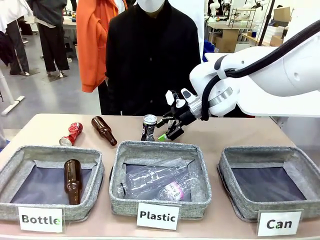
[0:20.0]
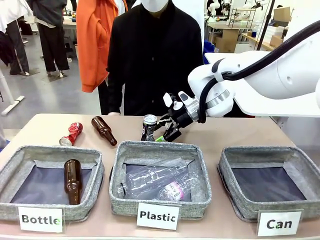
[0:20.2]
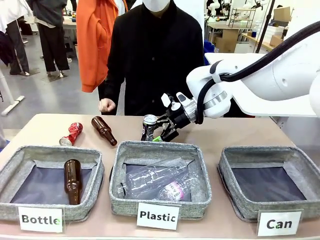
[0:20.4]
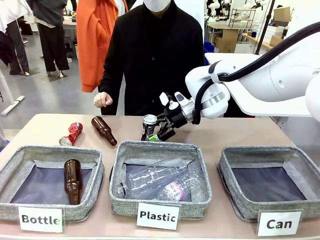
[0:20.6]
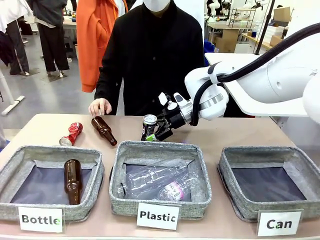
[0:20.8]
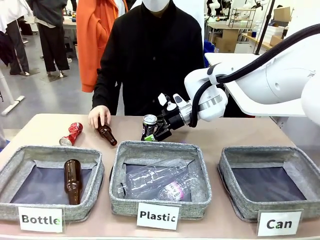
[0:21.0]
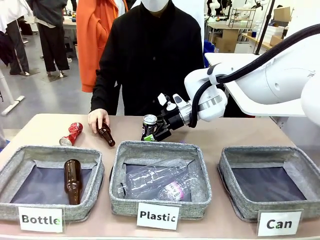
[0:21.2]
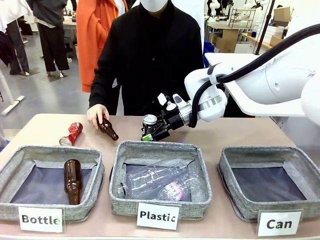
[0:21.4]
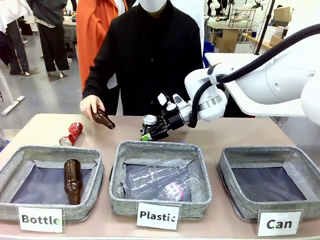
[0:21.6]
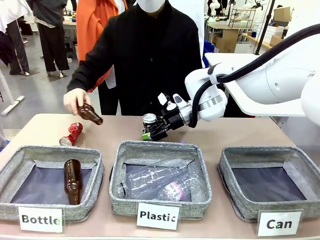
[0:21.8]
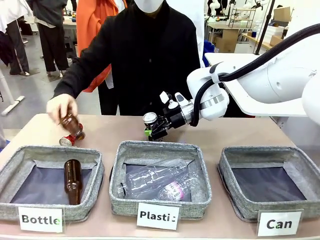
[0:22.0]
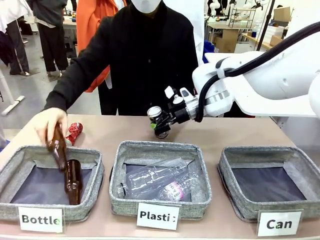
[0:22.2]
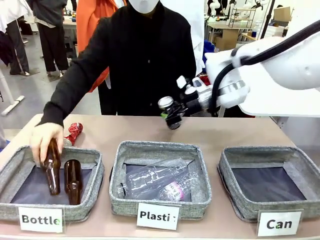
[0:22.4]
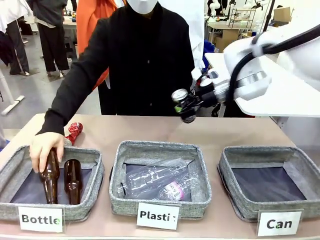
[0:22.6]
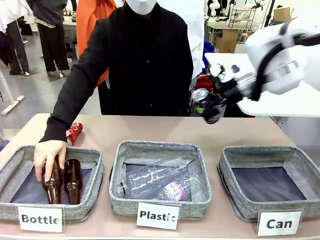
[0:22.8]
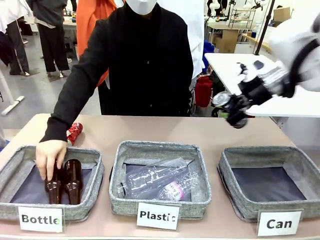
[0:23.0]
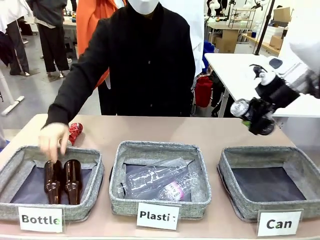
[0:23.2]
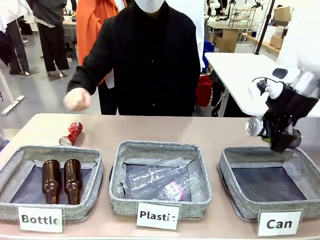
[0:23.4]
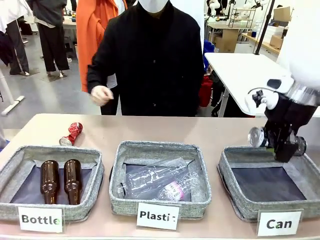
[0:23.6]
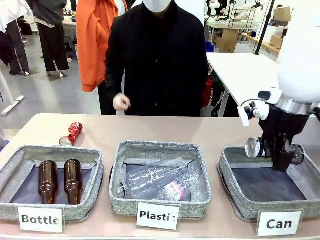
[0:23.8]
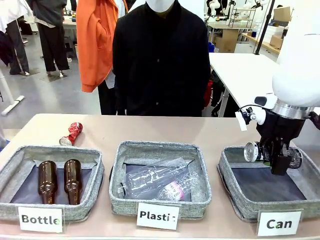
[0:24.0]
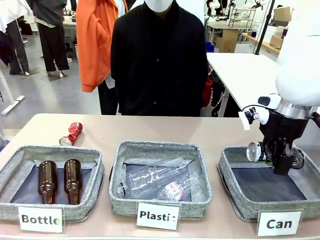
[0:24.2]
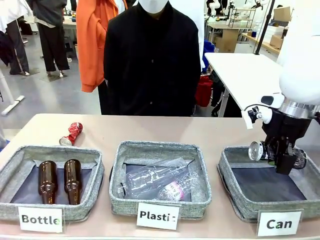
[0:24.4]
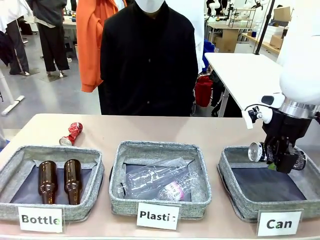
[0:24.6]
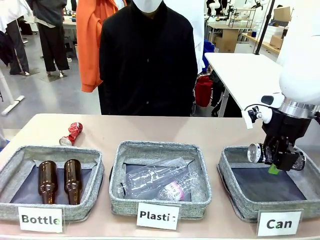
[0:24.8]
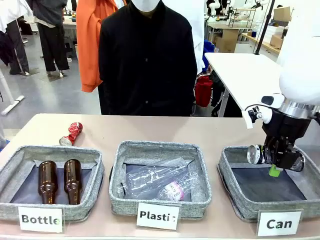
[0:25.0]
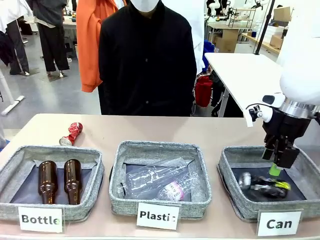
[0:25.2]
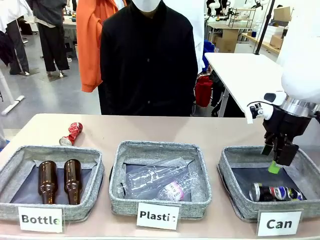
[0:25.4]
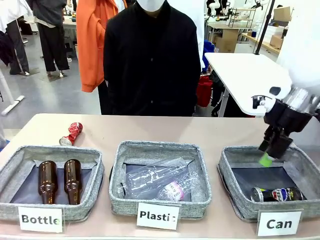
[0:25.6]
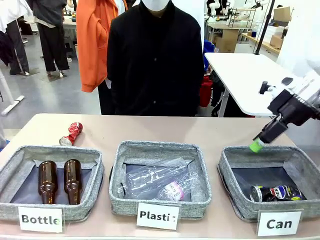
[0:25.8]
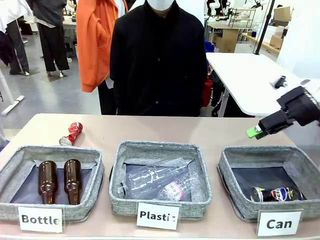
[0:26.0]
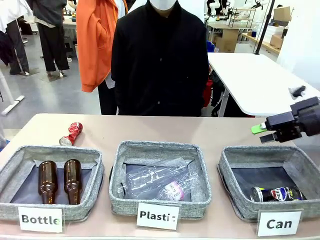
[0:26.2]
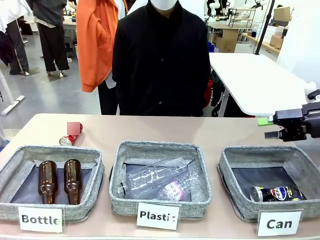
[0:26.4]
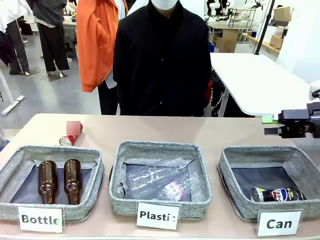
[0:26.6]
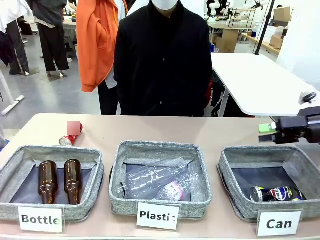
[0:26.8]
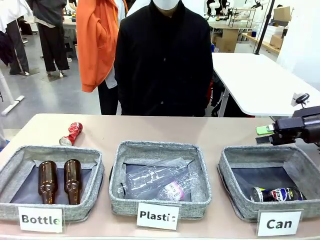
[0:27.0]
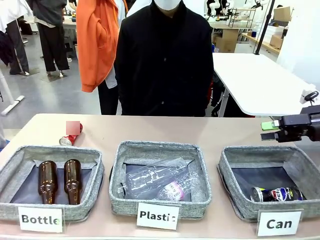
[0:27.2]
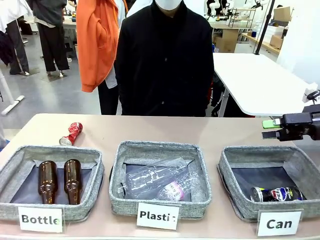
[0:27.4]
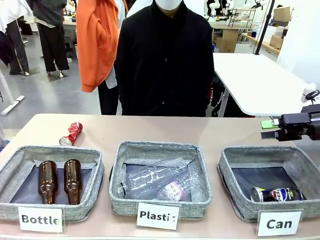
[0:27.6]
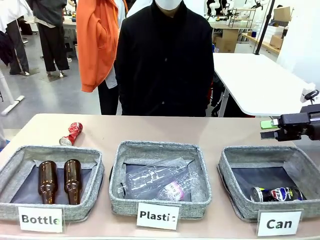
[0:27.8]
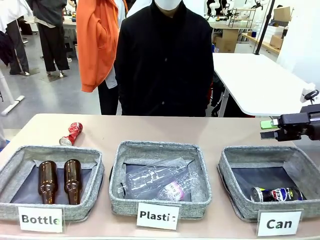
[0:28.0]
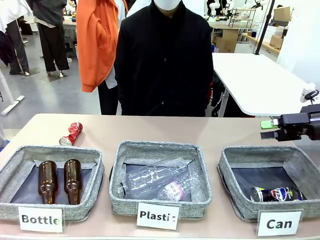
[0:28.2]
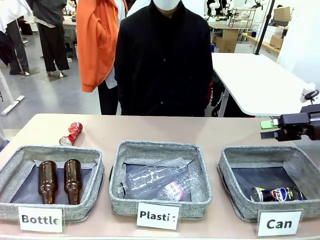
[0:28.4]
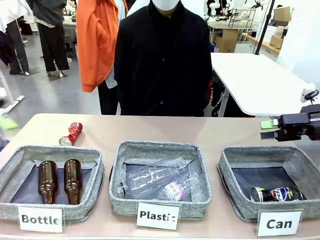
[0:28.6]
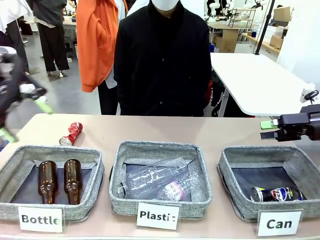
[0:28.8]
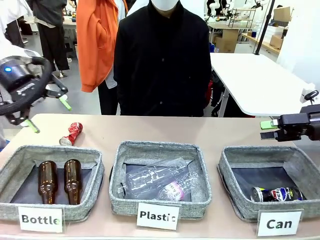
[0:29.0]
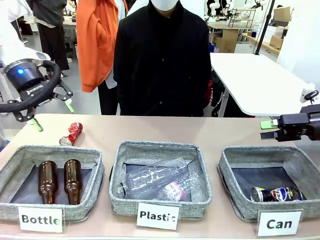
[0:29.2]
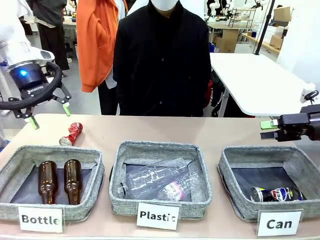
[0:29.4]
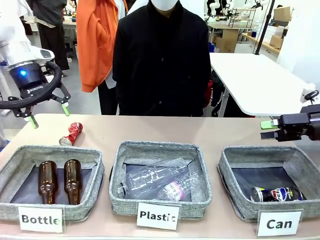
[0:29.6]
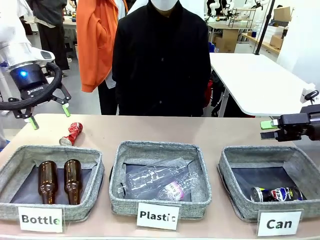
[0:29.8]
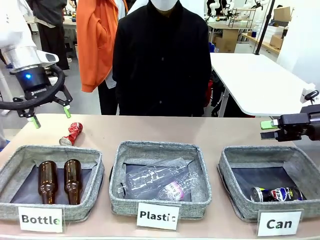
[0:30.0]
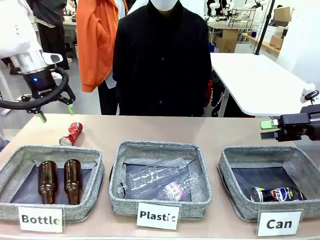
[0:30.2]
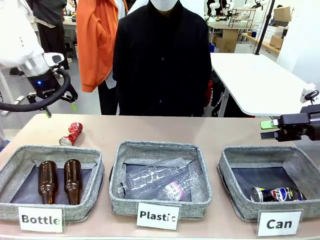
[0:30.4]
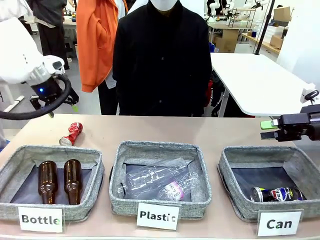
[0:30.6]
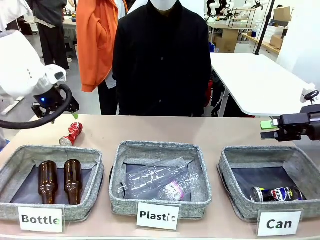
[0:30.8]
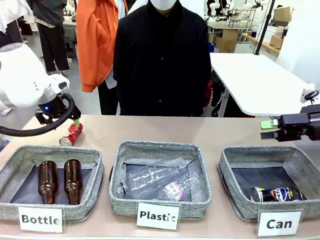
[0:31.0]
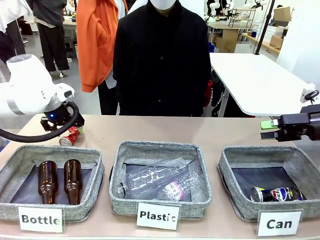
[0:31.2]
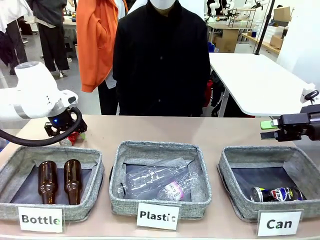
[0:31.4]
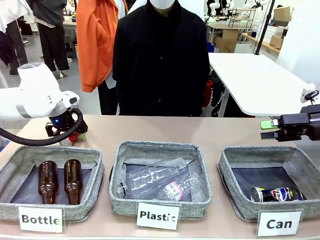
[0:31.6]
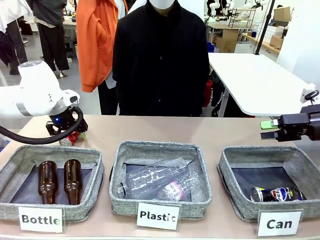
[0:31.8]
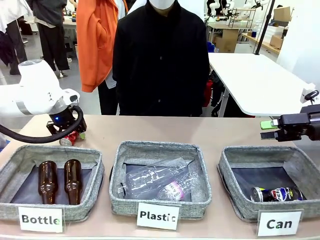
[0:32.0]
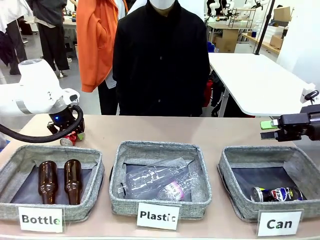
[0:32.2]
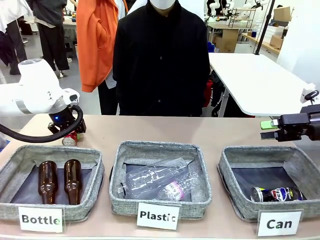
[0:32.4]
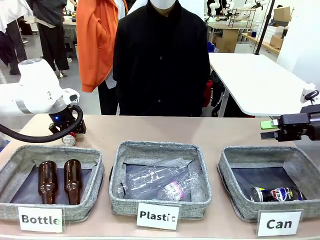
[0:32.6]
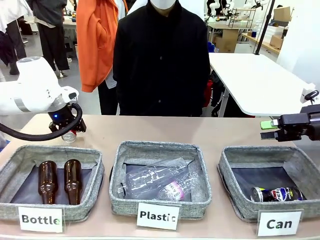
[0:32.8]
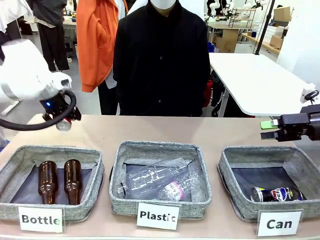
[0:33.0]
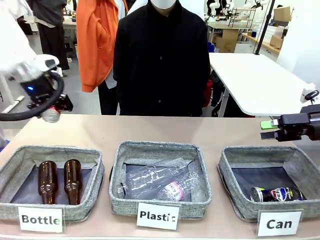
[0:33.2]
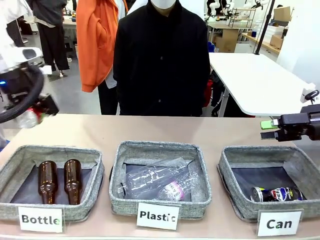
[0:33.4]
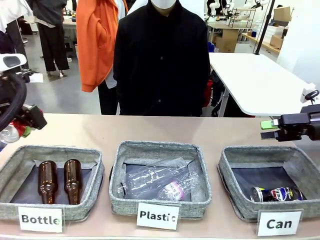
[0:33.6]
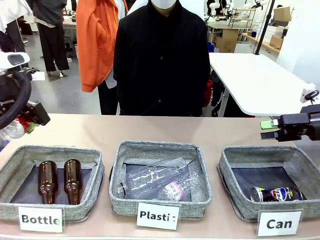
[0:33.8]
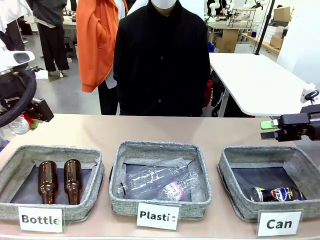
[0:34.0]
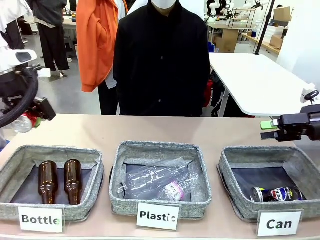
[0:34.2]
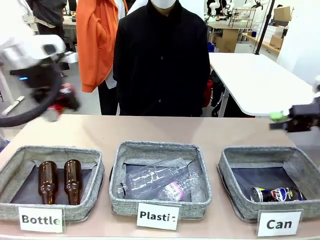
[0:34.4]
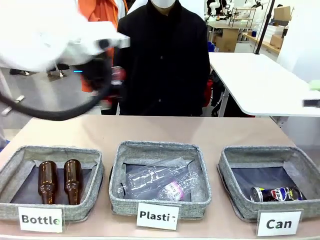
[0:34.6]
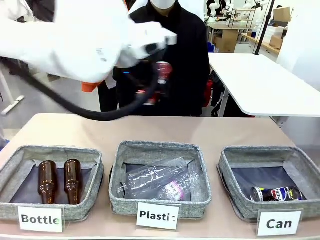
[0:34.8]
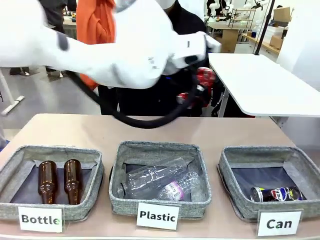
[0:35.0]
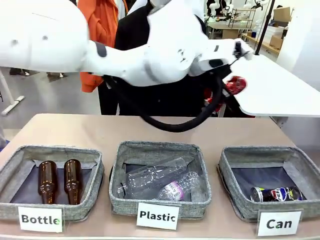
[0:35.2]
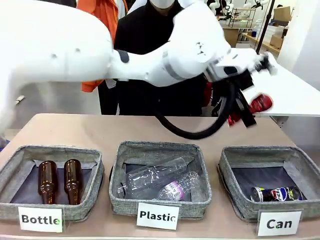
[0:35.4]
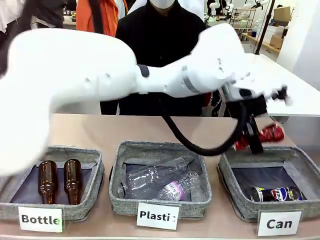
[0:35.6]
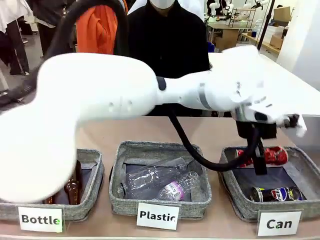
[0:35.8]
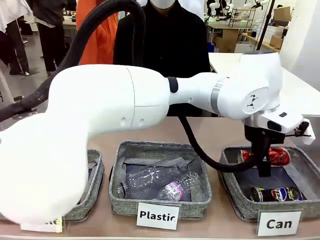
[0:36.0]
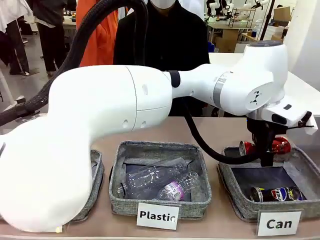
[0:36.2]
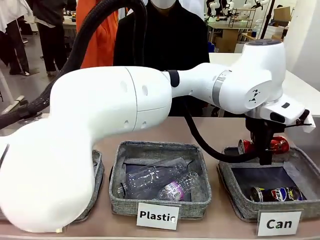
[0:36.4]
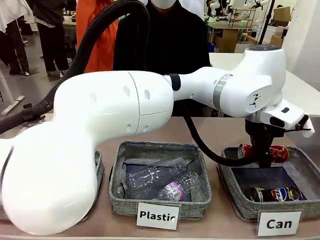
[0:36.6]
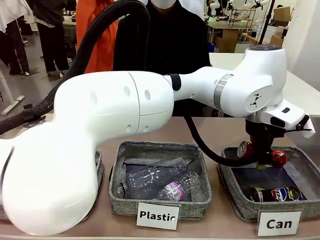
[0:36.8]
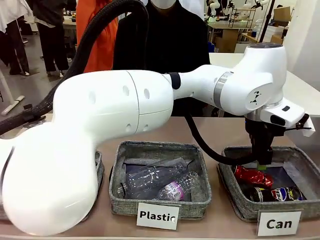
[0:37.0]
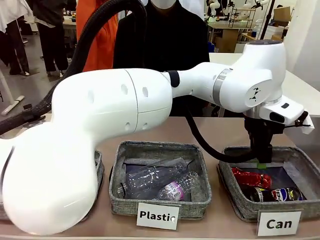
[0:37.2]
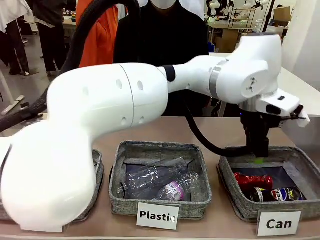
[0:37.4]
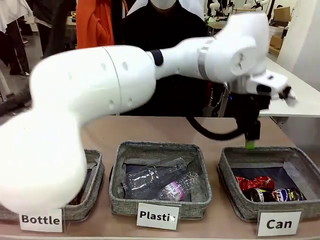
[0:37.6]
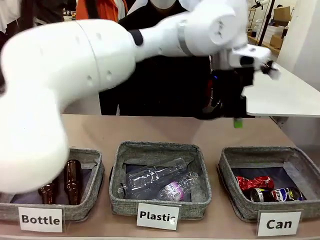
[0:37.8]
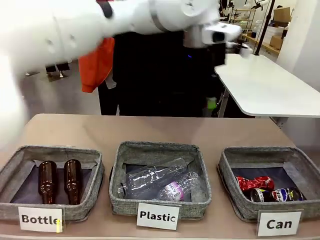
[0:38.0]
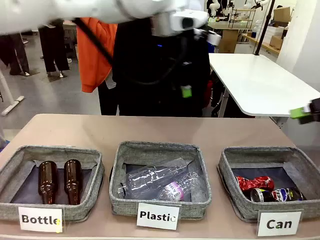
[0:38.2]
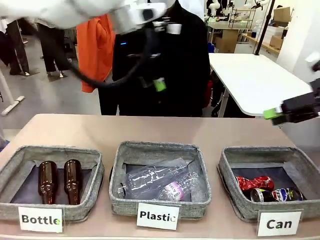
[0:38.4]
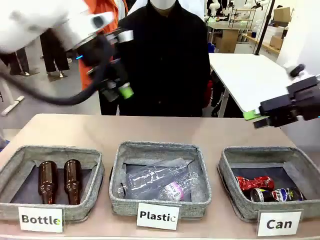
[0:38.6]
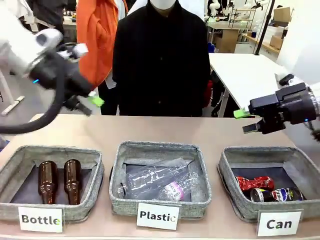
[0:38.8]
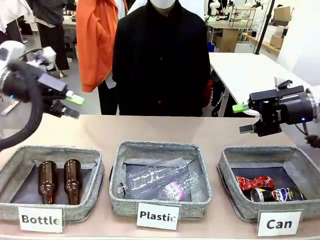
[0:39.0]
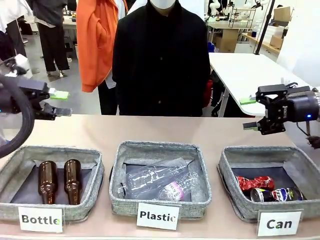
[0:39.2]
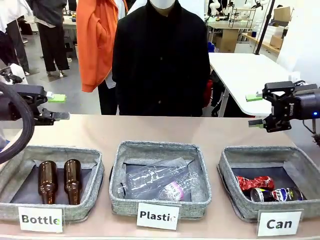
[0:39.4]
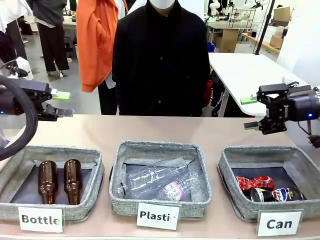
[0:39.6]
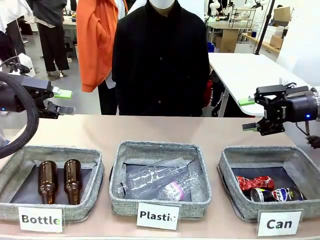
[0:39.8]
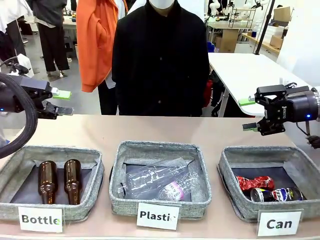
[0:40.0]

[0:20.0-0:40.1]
Task: Sort the can waste into the basket.
Robot: Pick up the can waste from the table and place it in the right Fabric basket.
Person: The human picks up one piece of trash that is not a can and places the trash into the appropriate organizing basket.
